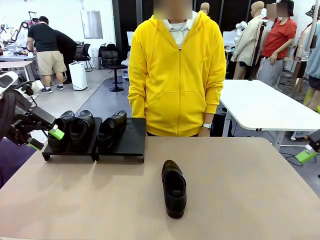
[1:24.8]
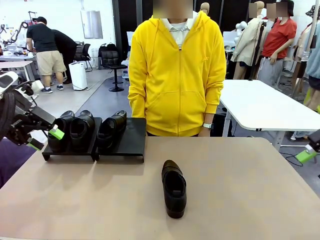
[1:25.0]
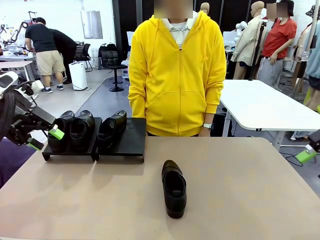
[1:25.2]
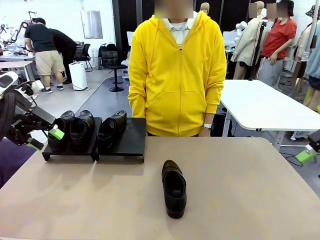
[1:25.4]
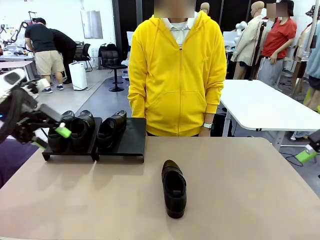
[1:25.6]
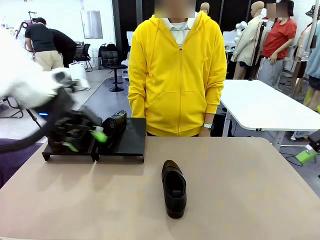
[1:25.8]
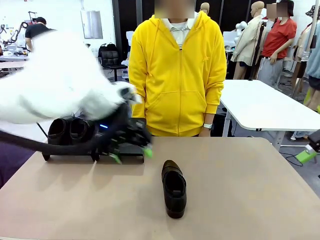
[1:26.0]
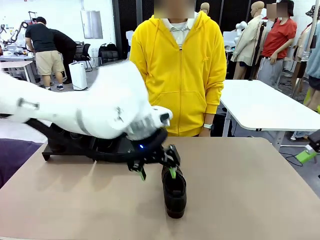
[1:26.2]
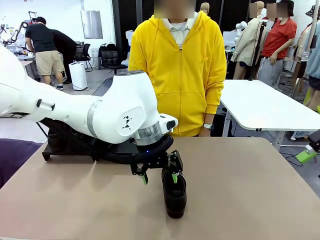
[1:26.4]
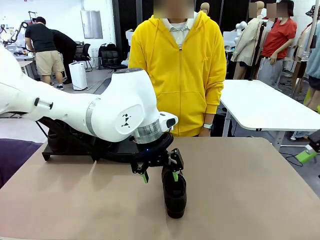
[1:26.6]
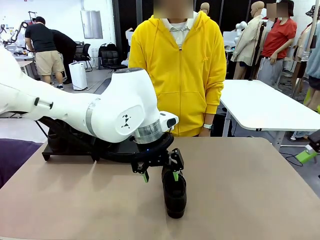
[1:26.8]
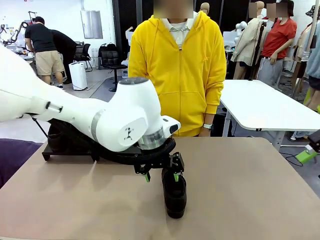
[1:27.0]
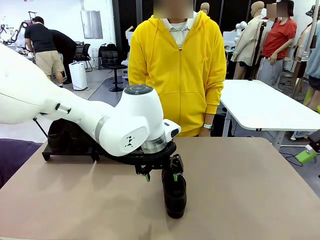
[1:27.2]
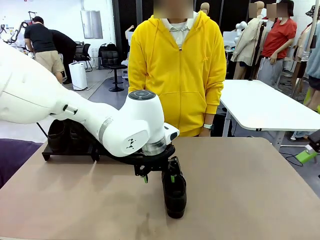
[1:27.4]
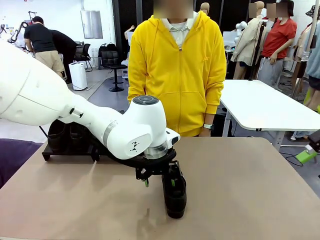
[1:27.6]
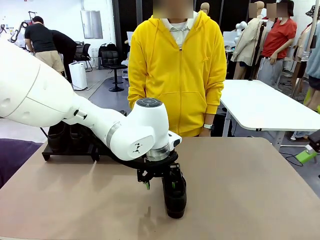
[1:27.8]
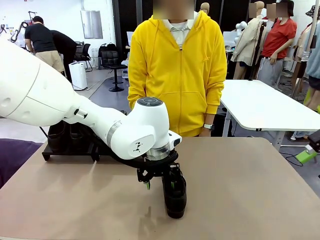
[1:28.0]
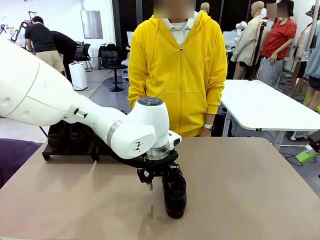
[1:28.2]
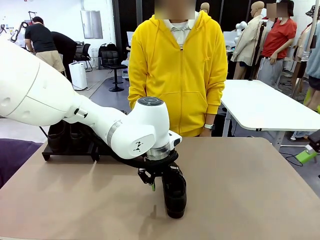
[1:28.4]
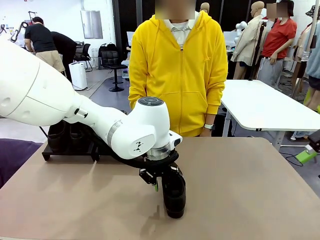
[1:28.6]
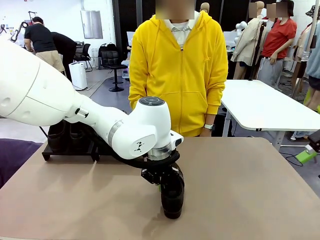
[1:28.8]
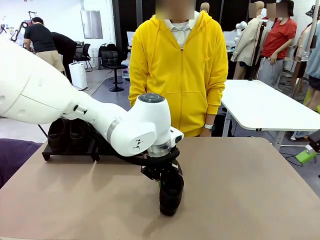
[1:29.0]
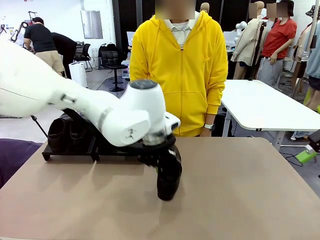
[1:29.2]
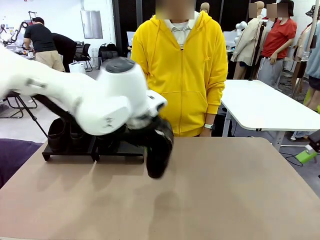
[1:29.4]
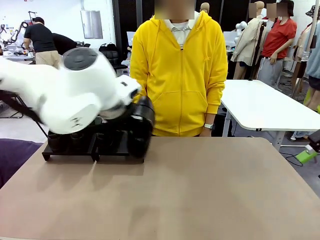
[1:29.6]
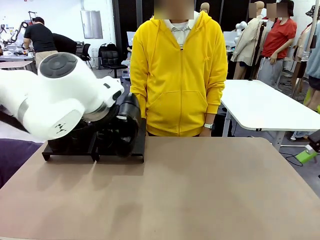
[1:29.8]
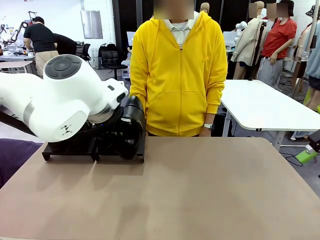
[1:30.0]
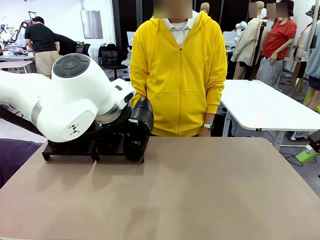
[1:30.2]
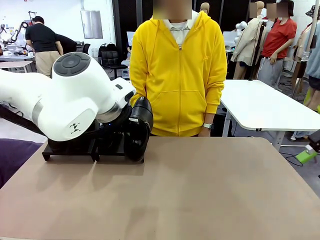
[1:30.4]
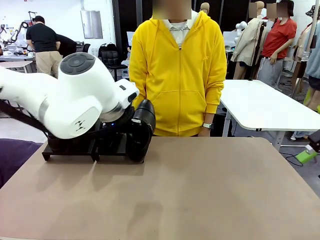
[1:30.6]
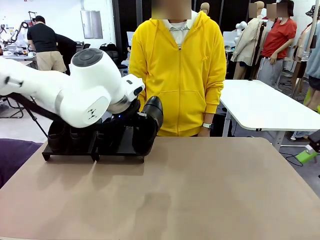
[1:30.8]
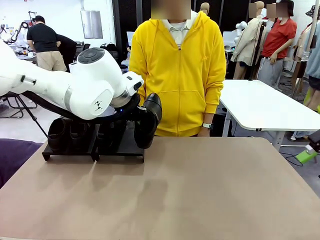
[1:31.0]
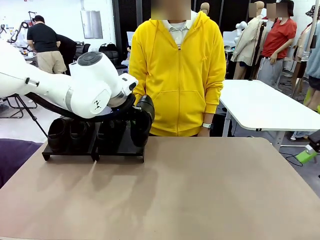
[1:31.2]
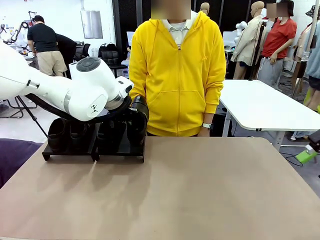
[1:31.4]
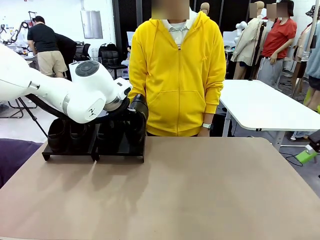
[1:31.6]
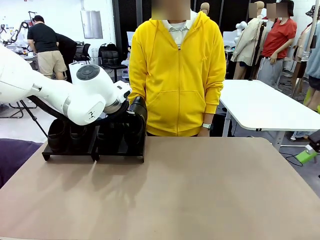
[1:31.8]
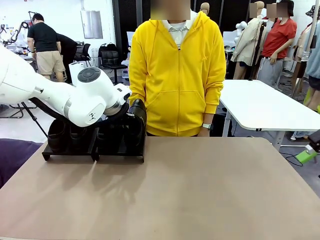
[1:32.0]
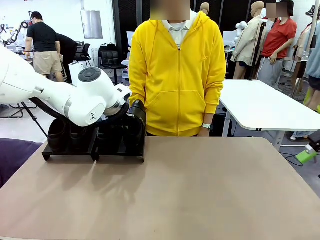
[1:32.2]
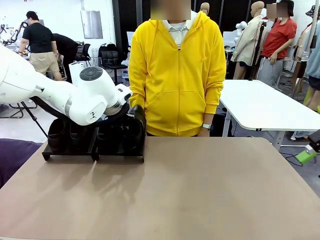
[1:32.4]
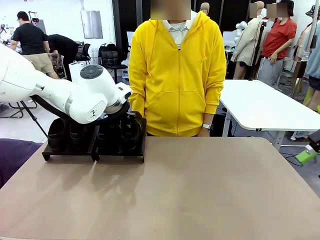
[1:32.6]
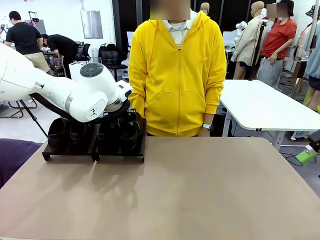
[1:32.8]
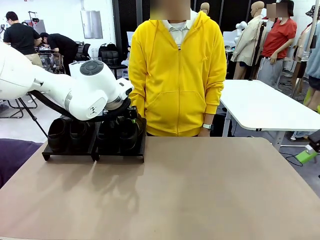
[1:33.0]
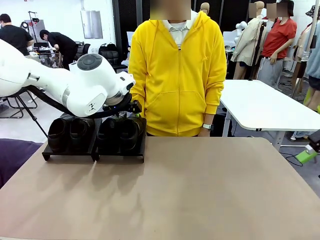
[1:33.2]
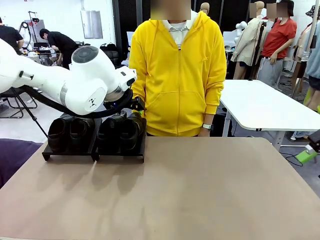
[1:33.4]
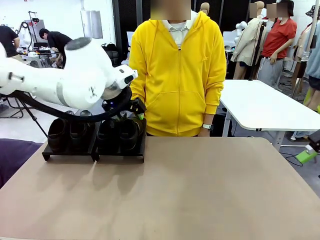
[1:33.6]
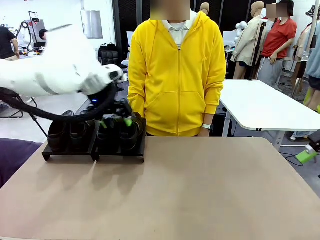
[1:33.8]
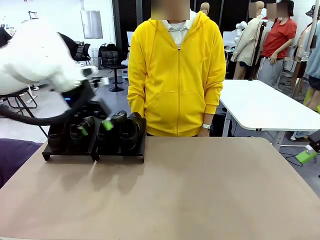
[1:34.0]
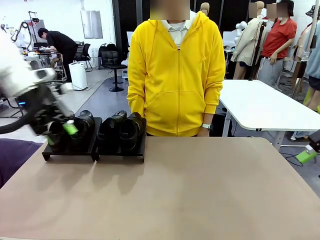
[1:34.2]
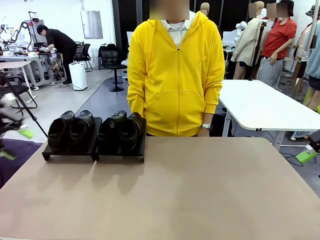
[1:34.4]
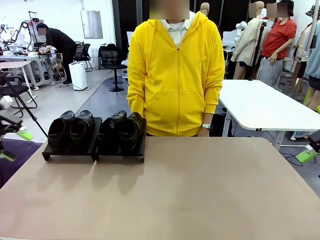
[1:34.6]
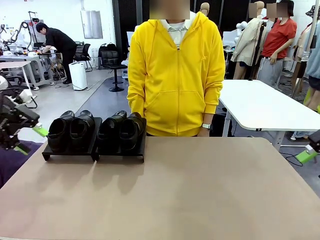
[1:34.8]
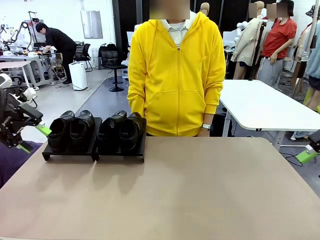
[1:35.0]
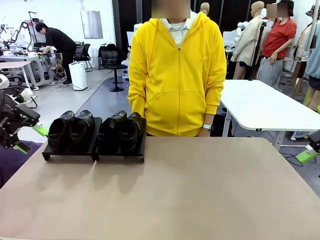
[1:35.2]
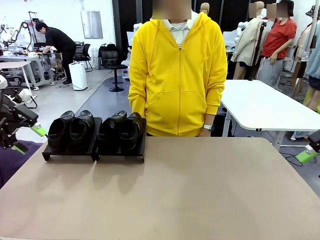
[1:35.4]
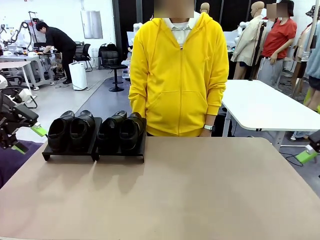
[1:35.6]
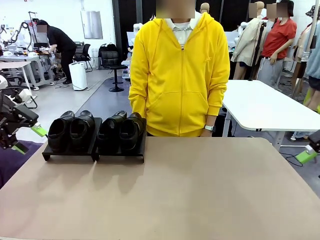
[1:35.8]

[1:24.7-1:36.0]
Task: Organize the shoes by placing them on the stand.
Robot: Place the Shoe from the middle of the table onto the Shoes Stand.

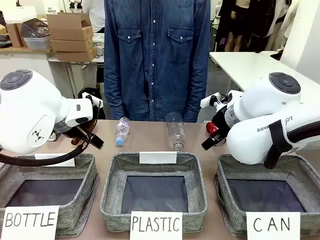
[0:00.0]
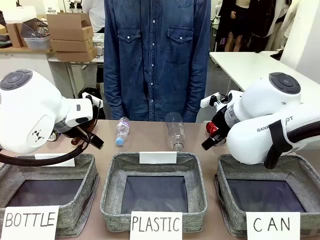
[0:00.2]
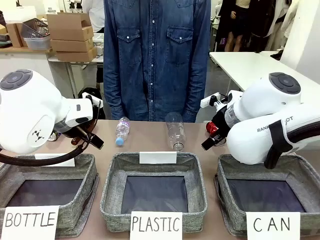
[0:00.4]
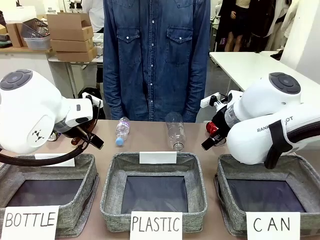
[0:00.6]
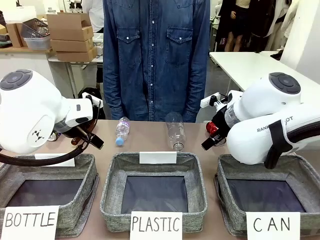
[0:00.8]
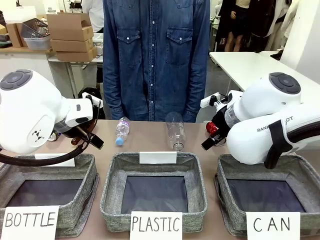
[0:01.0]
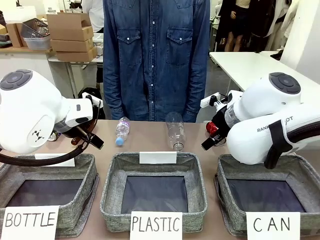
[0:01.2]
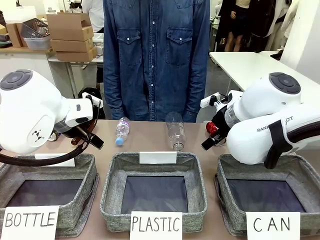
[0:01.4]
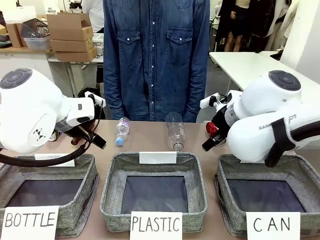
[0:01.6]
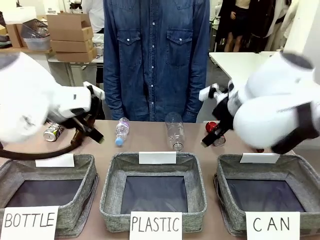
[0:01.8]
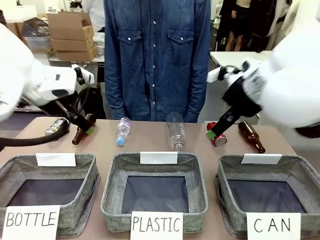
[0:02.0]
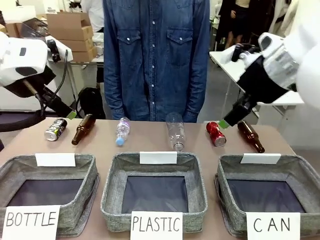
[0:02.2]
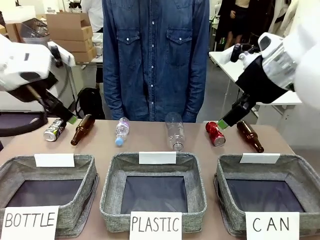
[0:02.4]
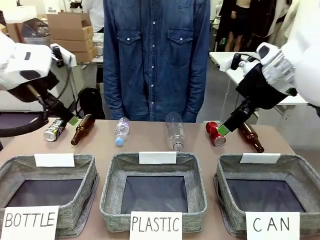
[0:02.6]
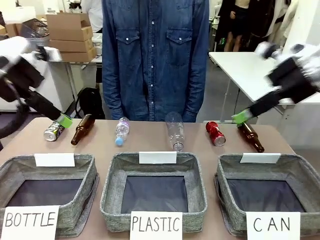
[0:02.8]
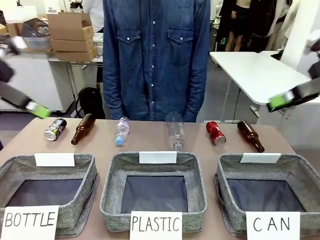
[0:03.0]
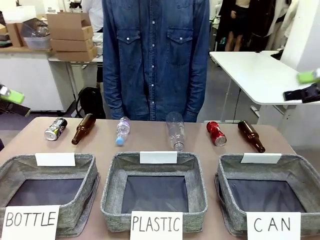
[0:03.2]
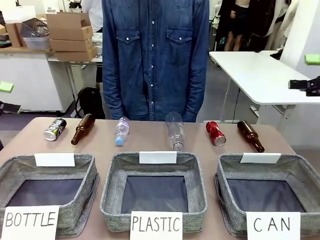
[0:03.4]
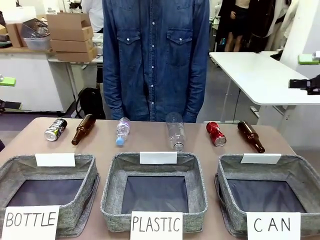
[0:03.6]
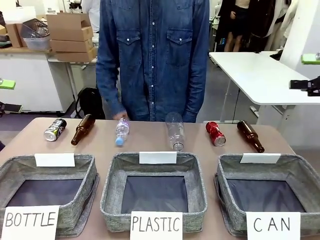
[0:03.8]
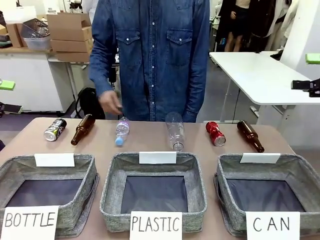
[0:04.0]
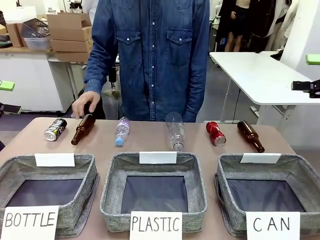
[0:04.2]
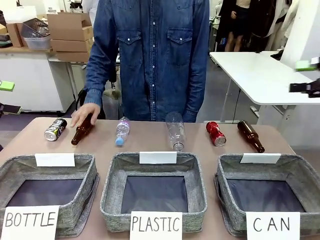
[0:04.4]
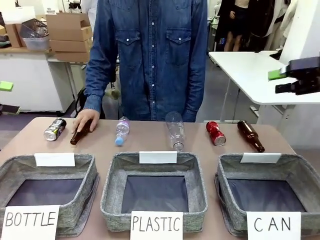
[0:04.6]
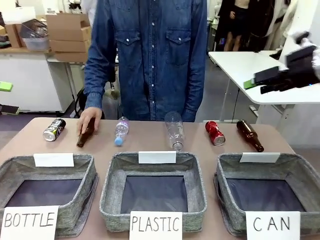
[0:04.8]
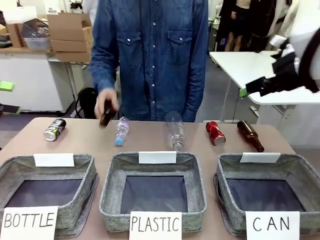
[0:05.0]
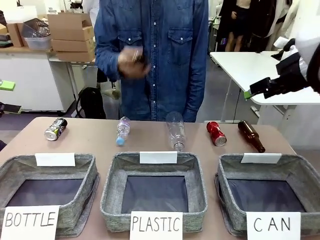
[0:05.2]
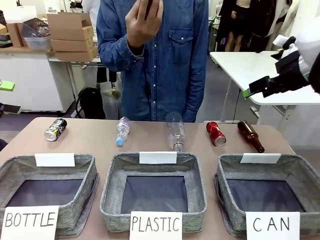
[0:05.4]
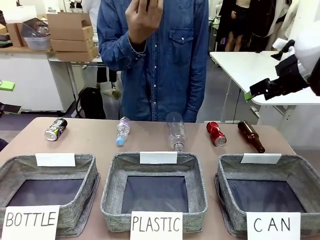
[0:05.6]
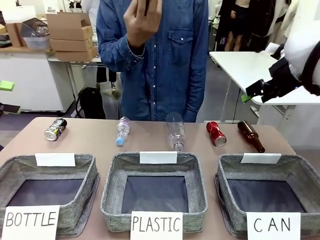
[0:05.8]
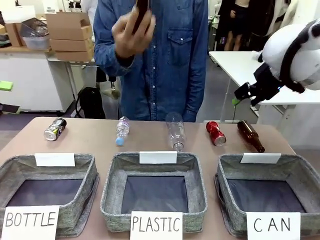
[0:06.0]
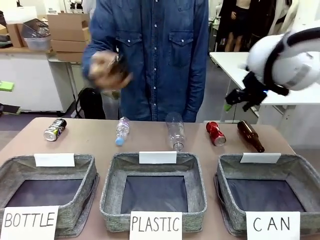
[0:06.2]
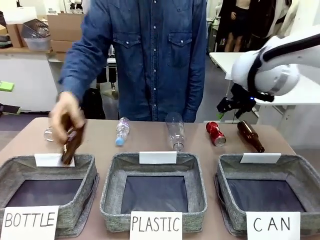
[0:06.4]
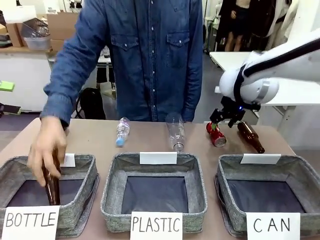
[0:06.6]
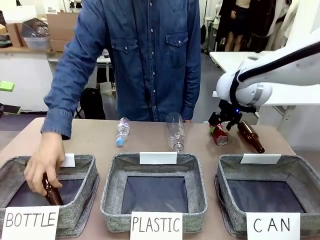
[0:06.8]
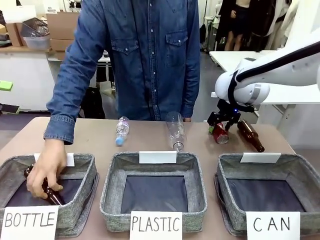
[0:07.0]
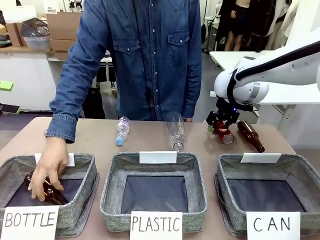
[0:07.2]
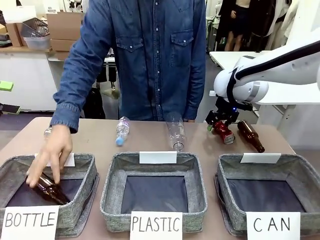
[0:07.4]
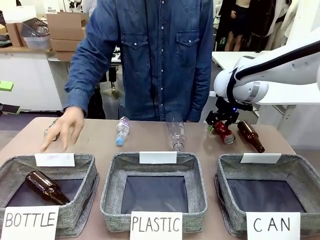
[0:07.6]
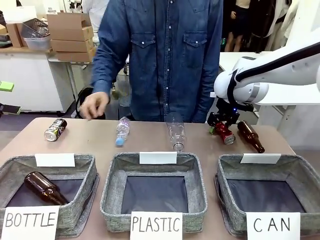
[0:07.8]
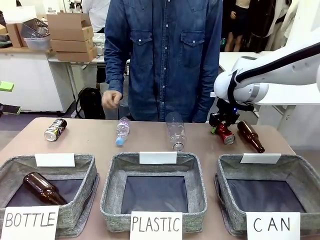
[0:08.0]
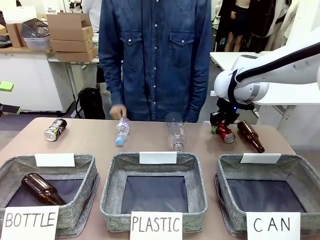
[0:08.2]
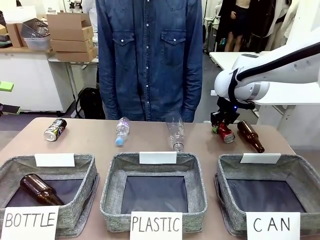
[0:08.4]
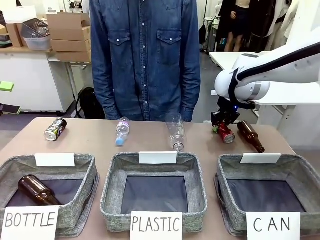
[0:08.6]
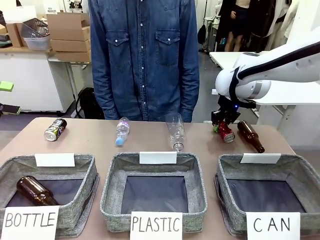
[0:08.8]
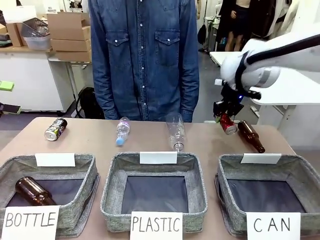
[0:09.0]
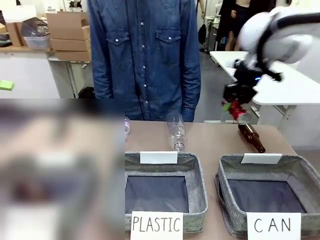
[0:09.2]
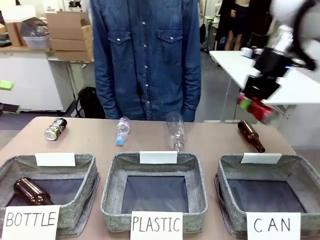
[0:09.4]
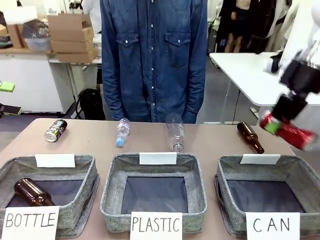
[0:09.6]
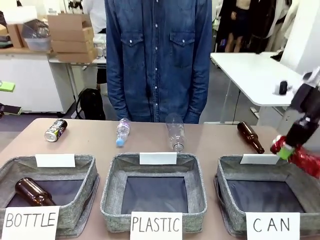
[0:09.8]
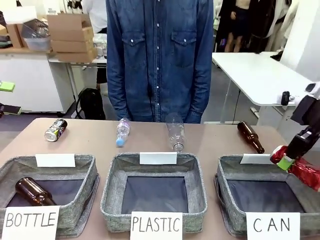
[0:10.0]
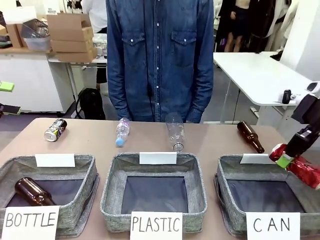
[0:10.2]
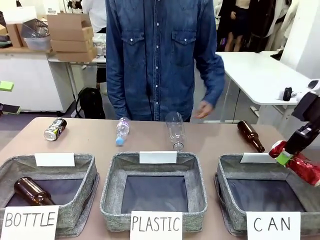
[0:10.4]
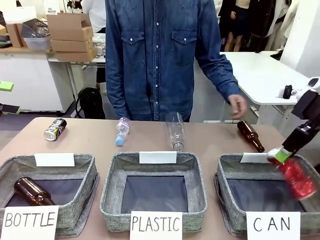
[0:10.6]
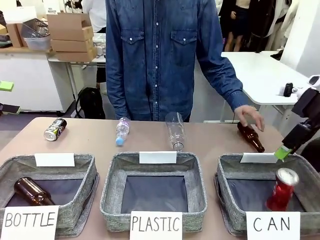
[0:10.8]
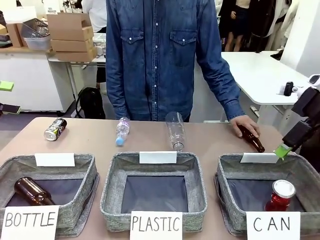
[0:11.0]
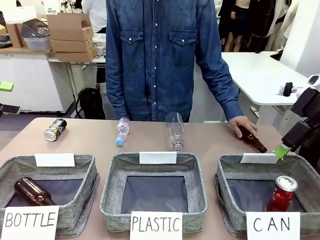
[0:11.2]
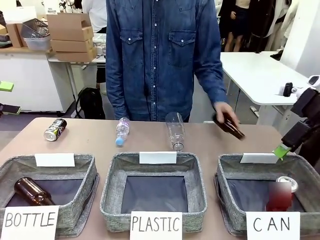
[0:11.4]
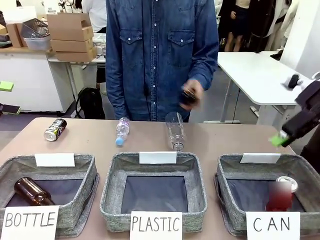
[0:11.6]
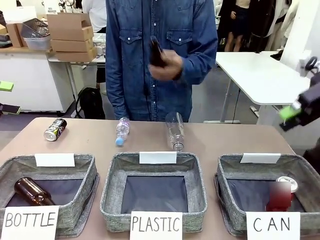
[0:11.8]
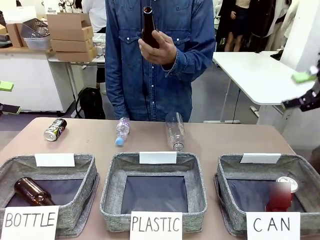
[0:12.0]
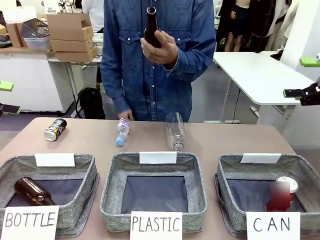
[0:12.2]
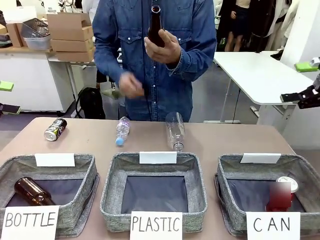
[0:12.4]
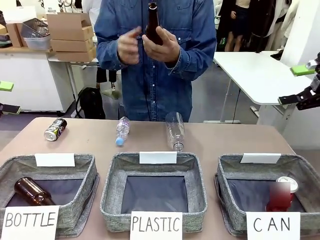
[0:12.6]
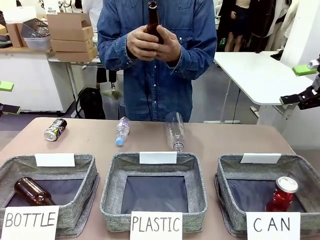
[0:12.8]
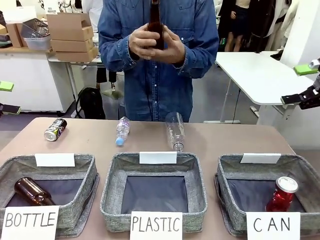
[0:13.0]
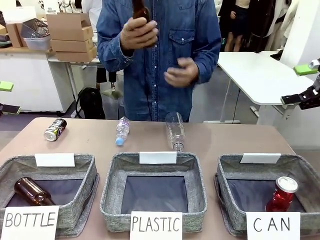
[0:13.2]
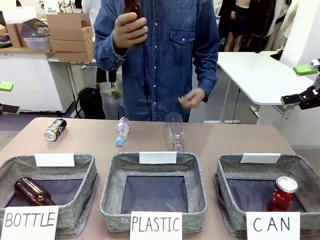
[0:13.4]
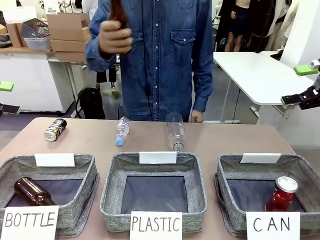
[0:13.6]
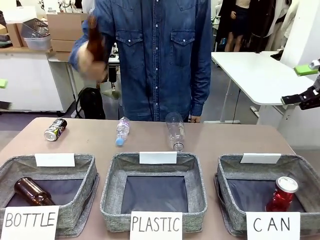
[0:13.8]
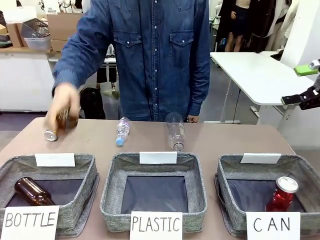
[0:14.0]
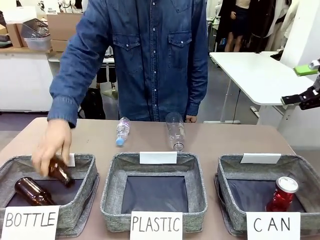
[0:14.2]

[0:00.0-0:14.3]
Task: Sort the can waste into the basket.
Robot: Pick up the can waste from the table and place it in the right Fabric basket.
